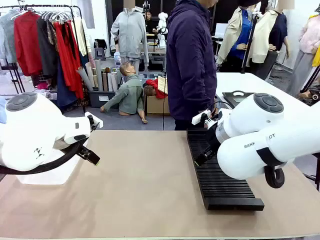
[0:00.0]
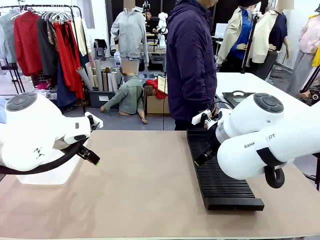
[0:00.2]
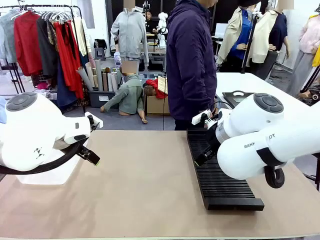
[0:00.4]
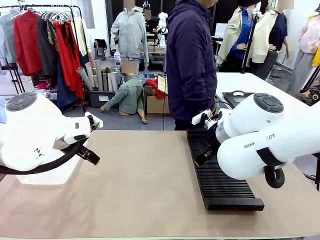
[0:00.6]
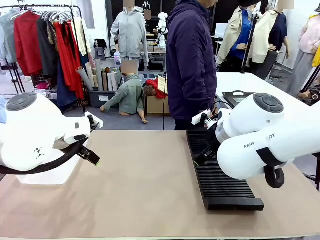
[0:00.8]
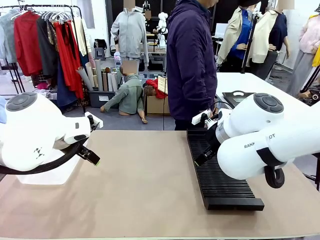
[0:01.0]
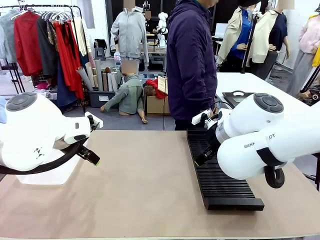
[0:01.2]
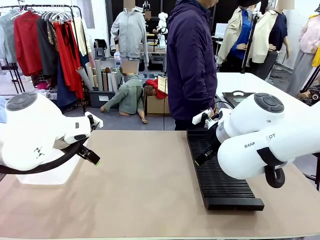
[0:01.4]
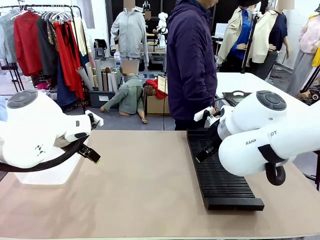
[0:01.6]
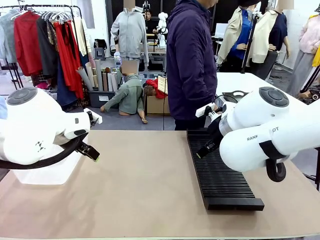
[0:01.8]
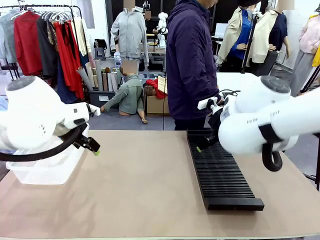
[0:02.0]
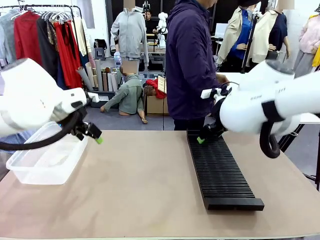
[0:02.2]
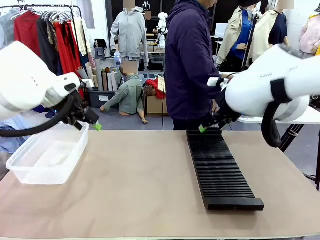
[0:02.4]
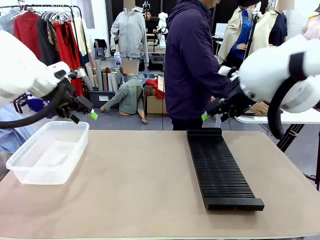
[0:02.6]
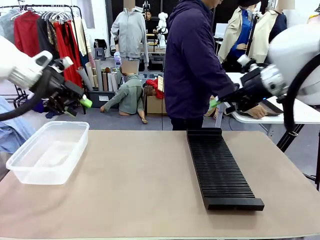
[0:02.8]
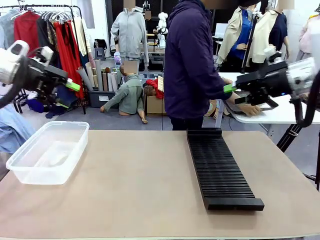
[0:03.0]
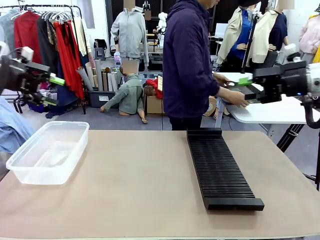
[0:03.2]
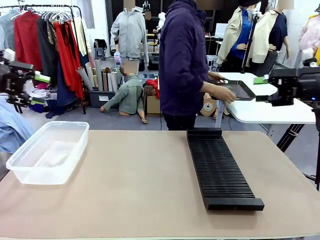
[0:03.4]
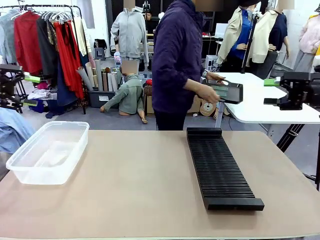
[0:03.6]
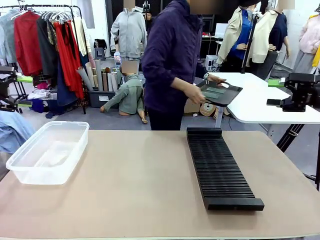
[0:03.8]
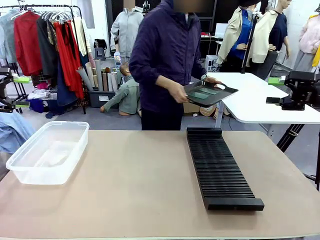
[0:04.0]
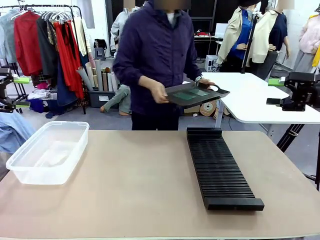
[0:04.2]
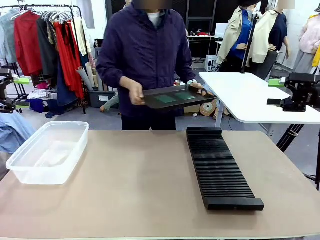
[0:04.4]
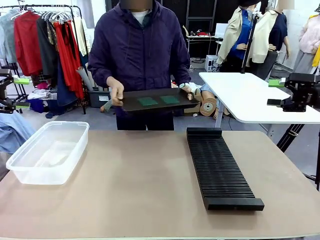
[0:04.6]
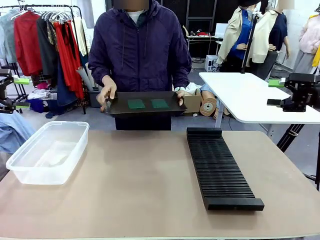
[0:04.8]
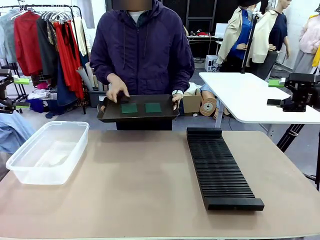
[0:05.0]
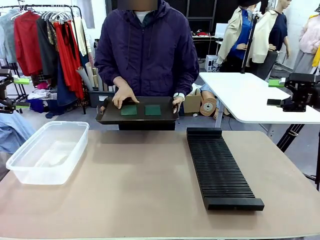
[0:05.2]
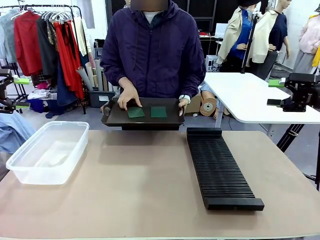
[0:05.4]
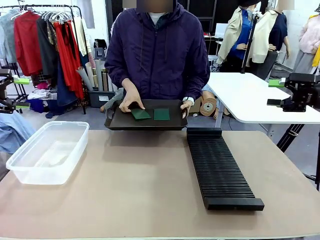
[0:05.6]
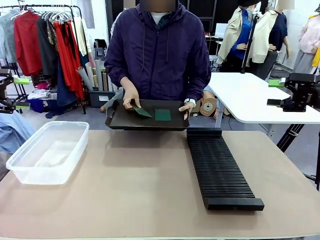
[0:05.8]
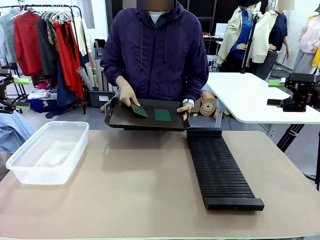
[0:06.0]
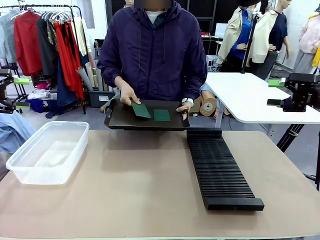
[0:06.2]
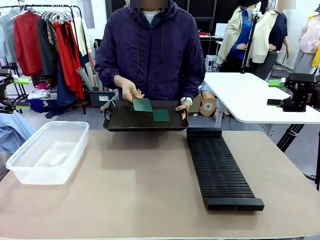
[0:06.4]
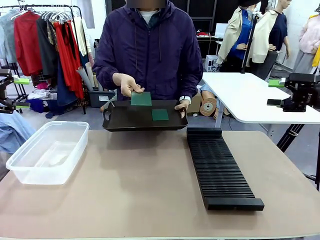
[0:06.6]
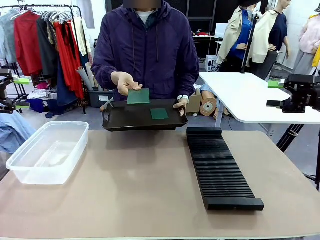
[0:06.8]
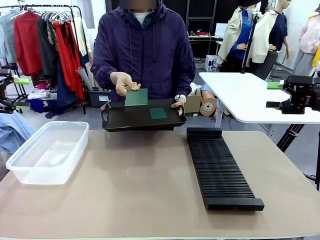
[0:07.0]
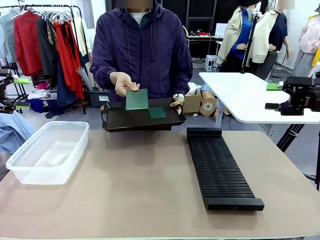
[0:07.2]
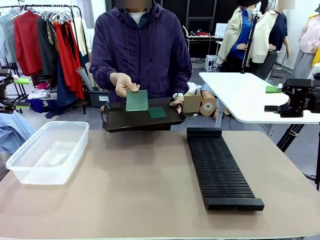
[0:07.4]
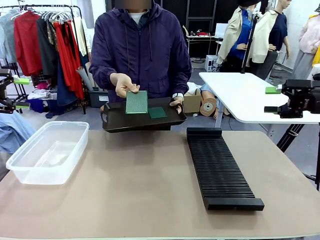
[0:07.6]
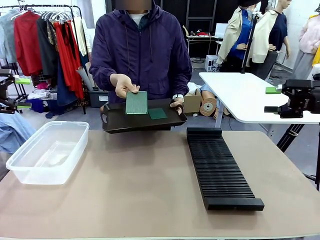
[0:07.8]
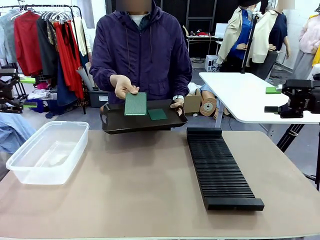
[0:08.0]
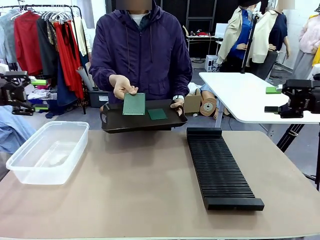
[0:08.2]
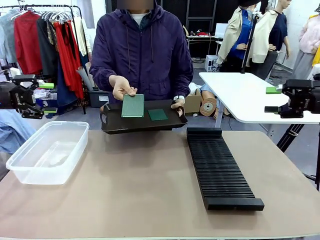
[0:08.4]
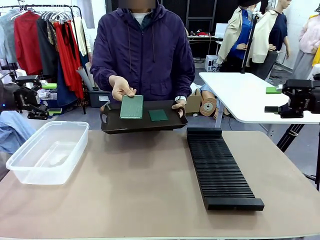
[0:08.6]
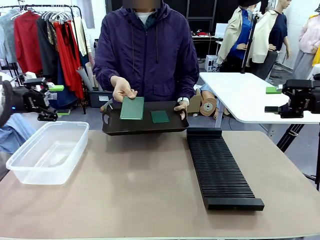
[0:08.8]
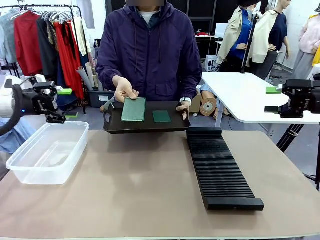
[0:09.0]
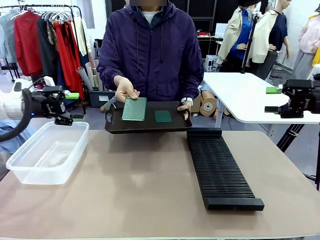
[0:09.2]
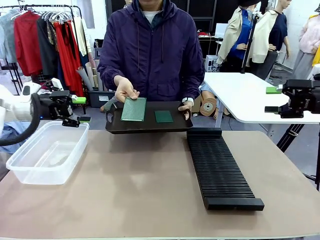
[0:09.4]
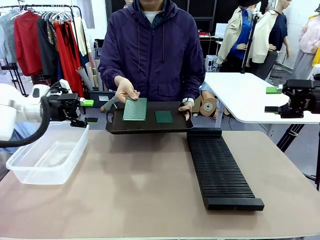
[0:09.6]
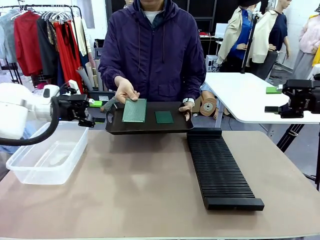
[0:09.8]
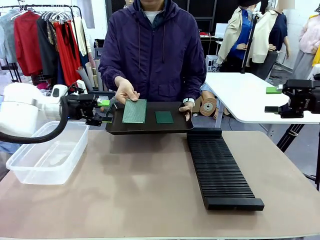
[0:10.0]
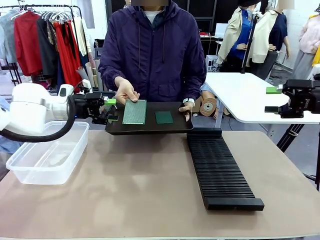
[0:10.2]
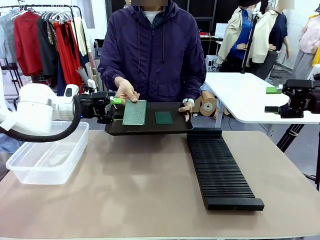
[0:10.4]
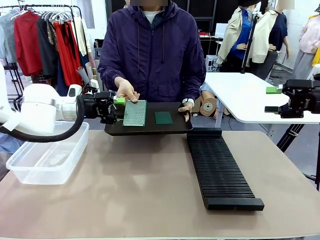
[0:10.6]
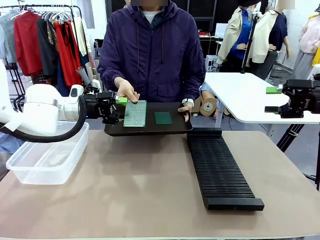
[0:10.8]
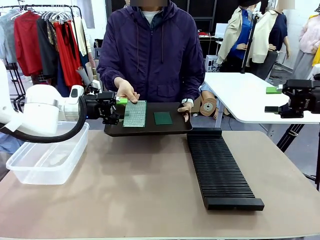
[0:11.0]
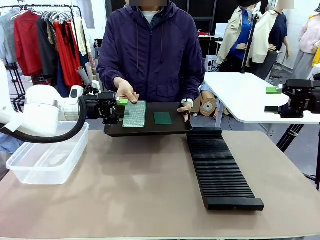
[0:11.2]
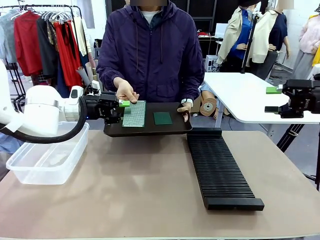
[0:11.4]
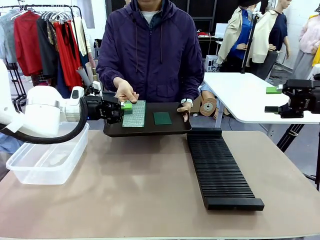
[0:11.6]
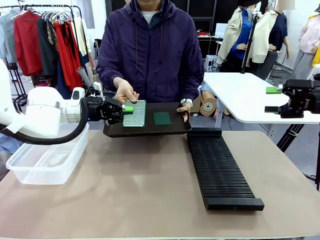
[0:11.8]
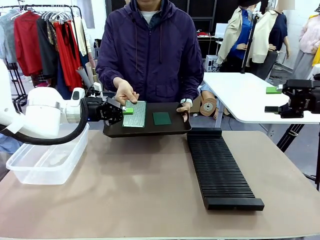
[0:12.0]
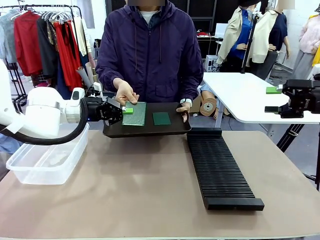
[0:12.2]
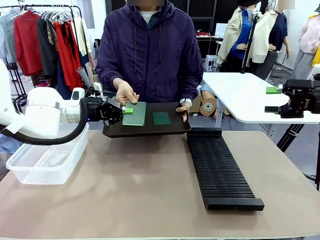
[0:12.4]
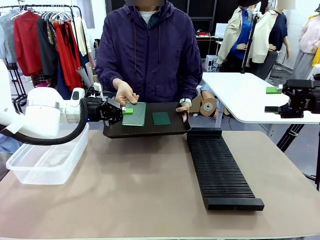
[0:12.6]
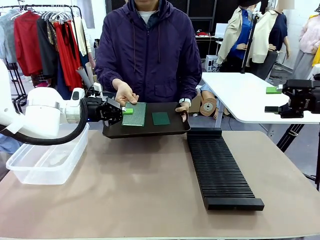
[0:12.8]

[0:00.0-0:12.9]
Task: Sort PCBs into racks and boxes based on the side picked up.
Robot: Pick up the Blank PCB handed by the Human.
Person: Pick one PCB from the tray and present it to the robot. Release the PCB being held.

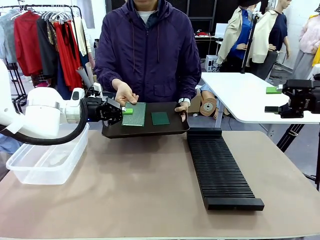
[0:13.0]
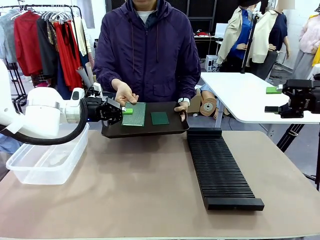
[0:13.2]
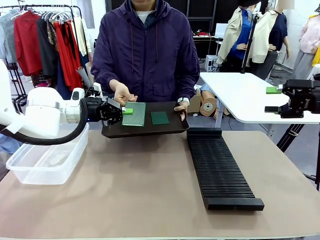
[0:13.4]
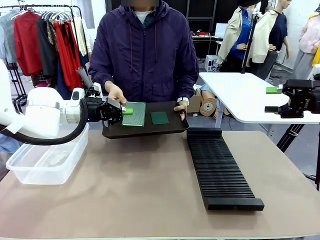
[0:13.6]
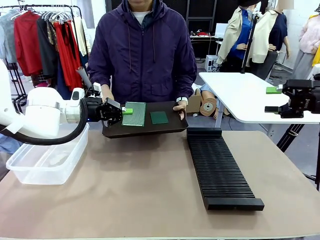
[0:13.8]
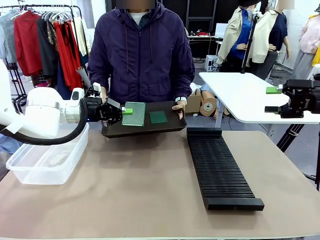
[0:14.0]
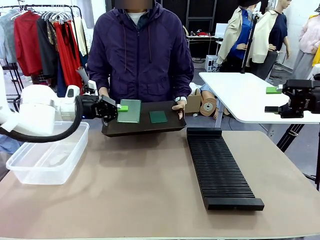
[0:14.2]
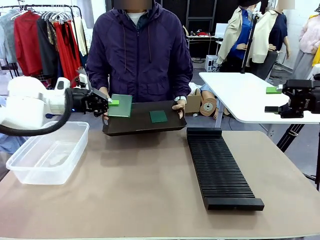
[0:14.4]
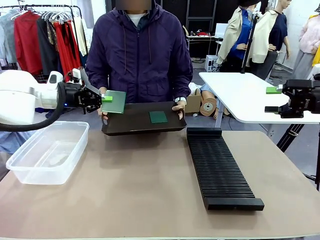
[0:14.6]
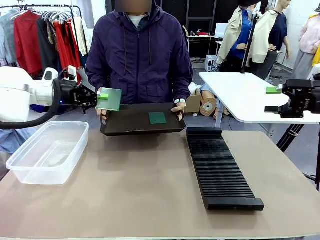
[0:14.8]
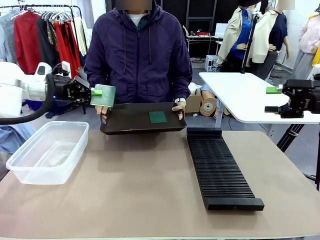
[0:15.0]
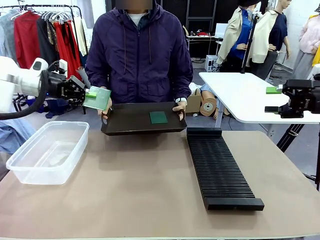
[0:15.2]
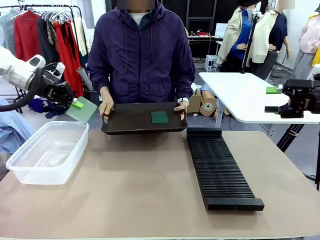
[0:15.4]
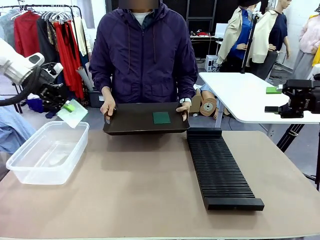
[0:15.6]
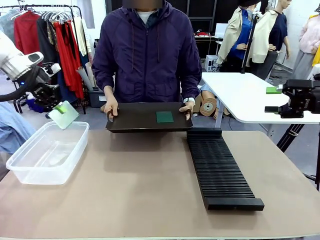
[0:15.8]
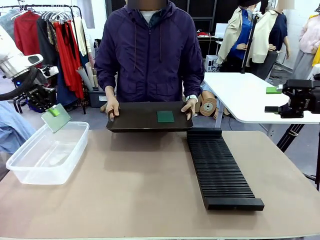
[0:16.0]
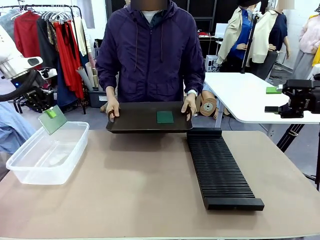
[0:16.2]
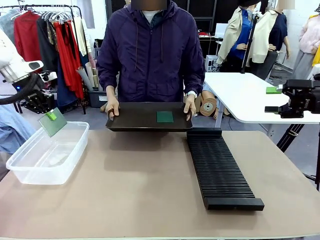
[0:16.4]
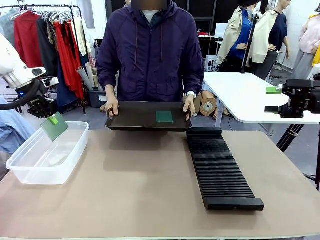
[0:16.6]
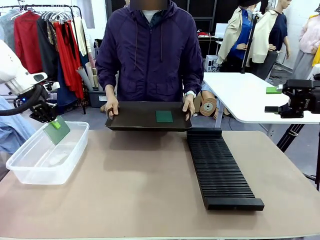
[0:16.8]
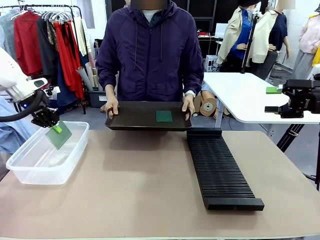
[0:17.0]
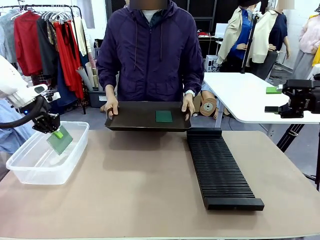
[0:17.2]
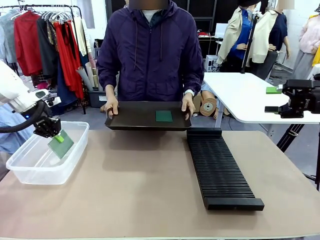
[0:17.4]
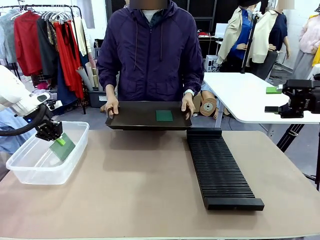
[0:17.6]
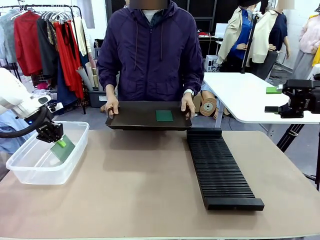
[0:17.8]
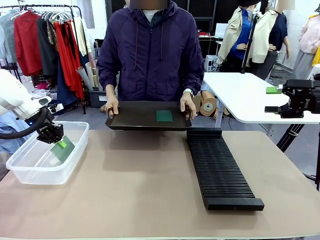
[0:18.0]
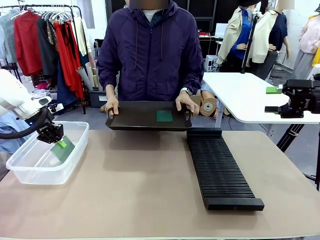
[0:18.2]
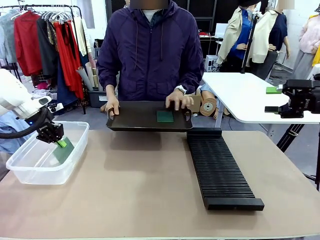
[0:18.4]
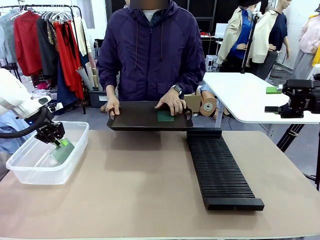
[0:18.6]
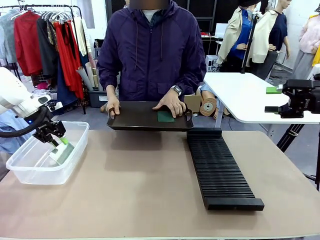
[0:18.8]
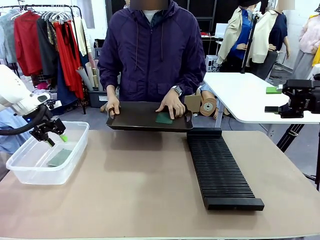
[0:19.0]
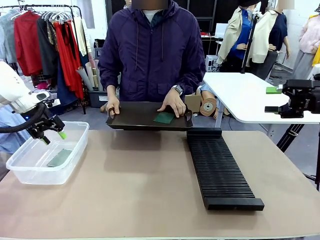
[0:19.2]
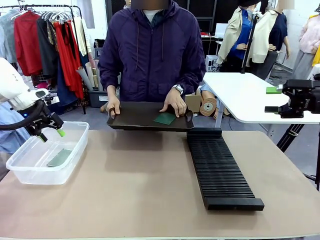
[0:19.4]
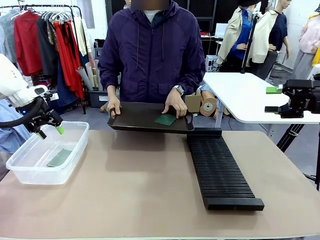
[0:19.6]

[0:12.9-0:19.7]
Robot: If the short side of the Blank PCB is picked up, insert it into the PCB Rack ; if the long side is picked up, place it in the Organizing box.
Person: Pick one PCB from the tray and present it to the robot.

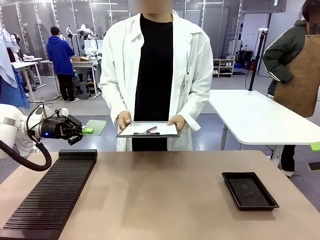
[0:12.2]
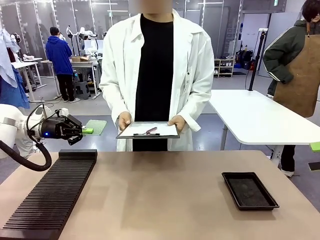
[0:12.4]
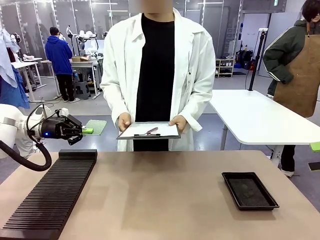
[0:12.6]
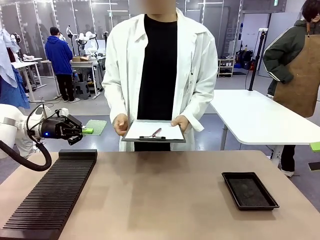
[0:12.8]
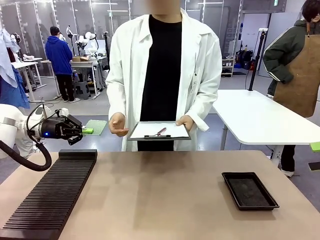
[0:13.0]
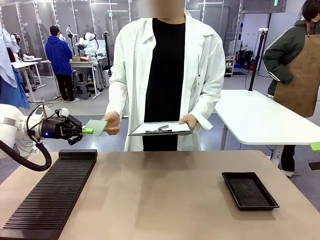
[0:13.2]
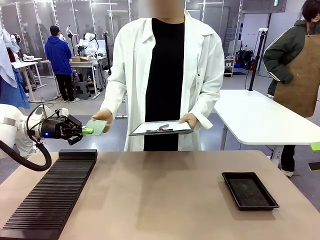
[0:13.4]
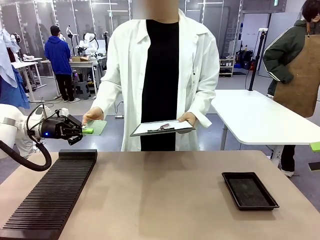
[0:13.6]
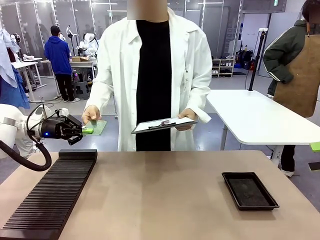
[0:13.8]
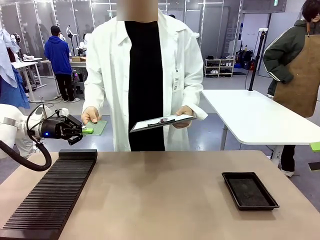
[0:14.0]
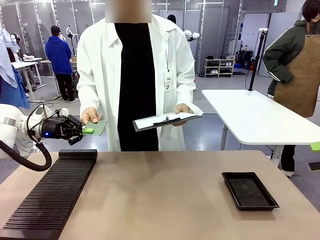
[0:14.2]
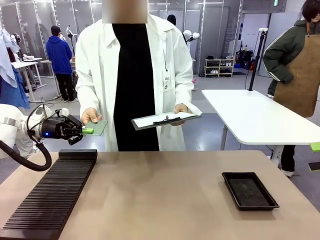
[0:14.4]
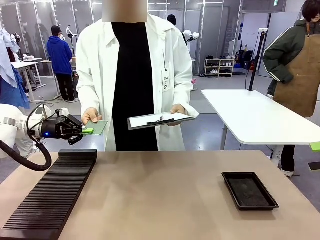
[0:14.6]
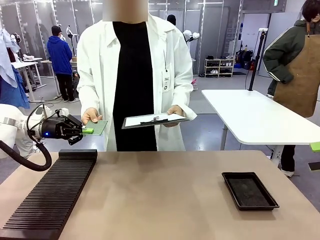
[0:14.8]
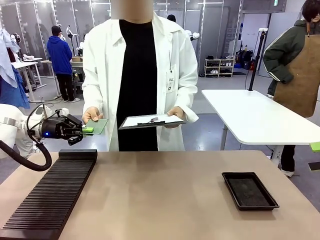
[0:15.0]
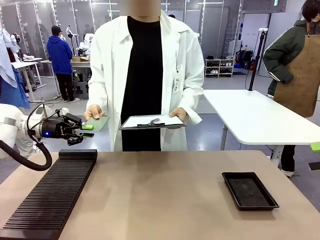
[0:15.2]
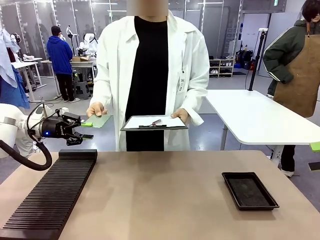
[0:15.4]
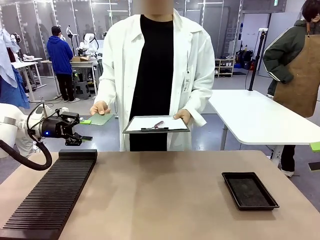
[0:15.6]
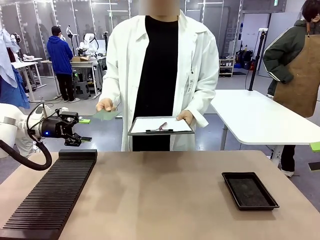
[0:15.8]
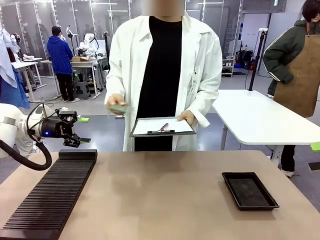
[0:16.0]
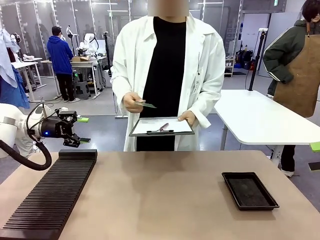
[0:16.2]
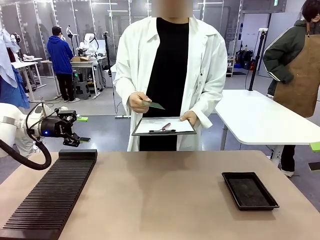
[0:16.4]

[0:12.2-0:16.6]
Task: Inspect the PCB.
Robot: Release the Blank PCB you were holding.
